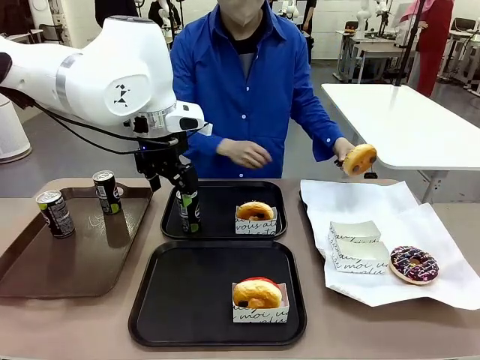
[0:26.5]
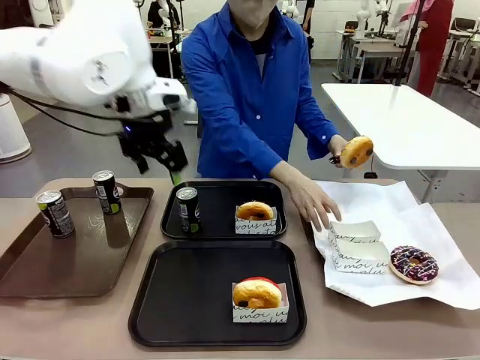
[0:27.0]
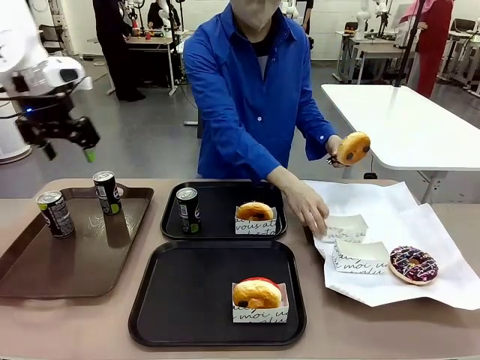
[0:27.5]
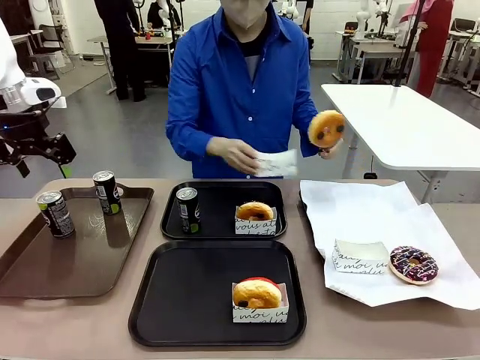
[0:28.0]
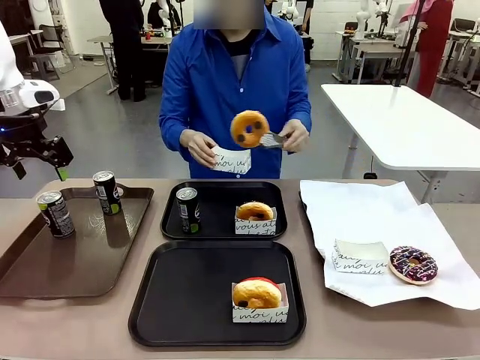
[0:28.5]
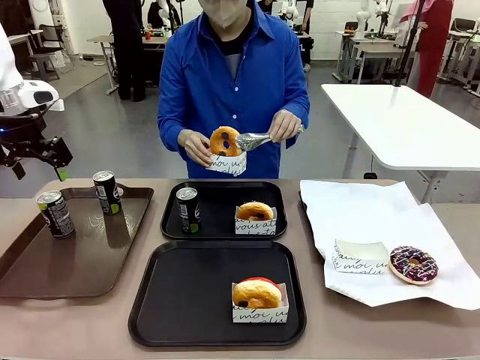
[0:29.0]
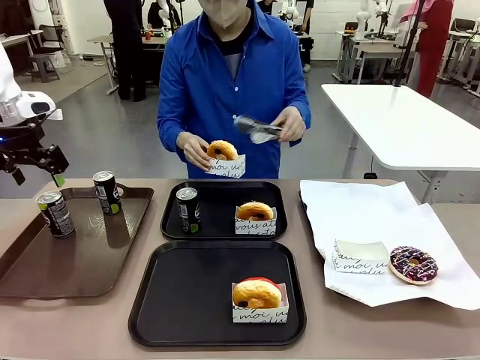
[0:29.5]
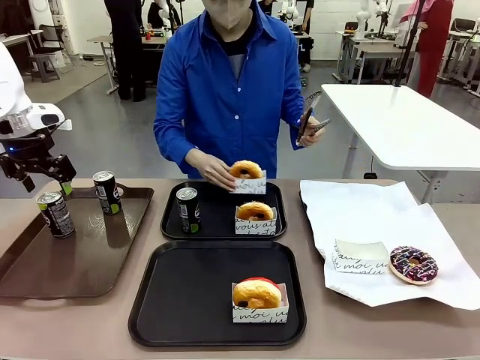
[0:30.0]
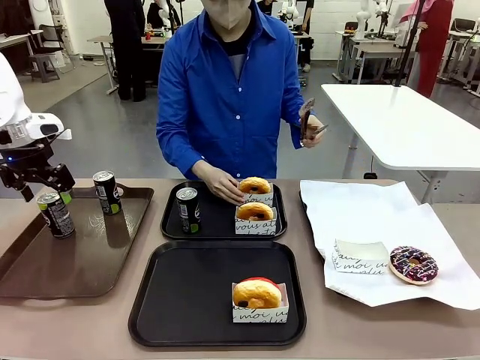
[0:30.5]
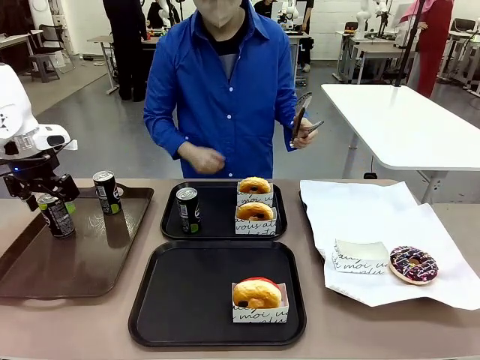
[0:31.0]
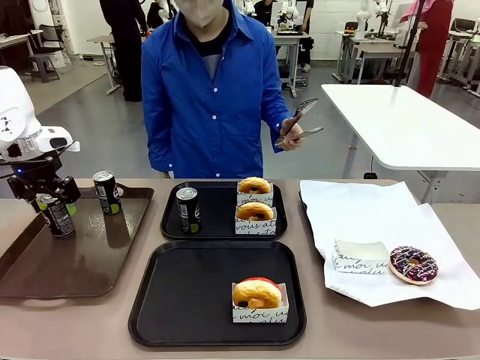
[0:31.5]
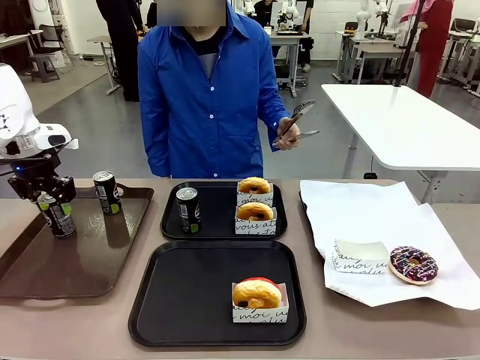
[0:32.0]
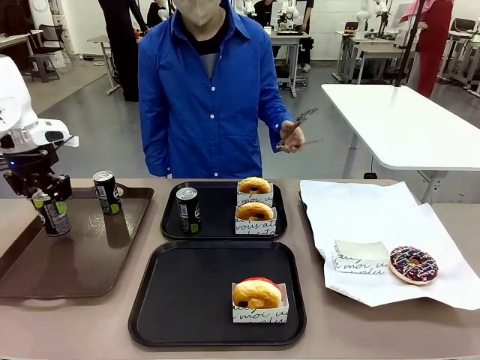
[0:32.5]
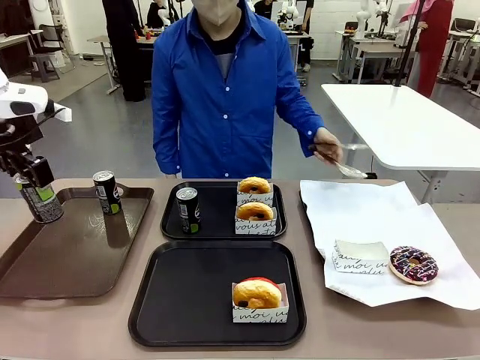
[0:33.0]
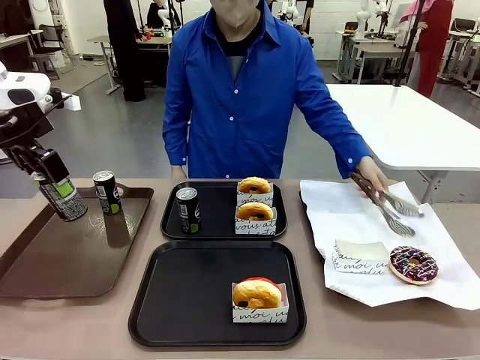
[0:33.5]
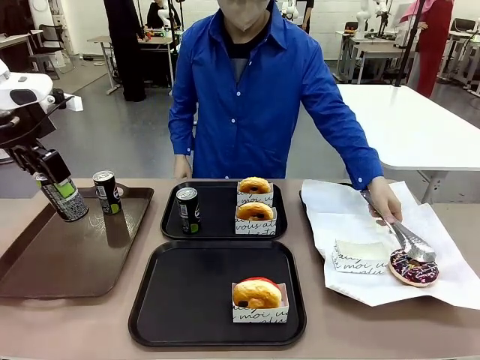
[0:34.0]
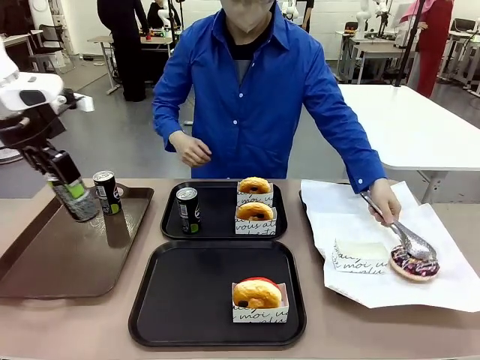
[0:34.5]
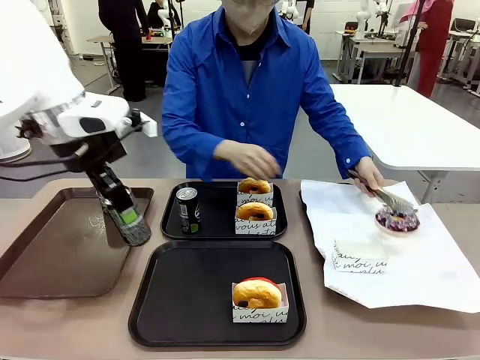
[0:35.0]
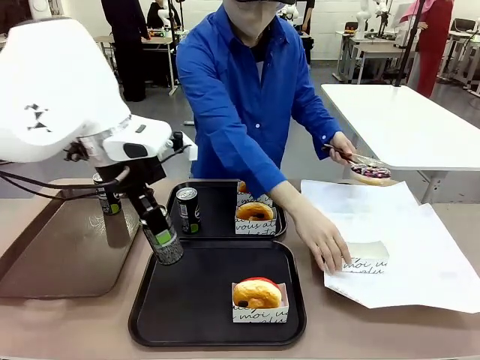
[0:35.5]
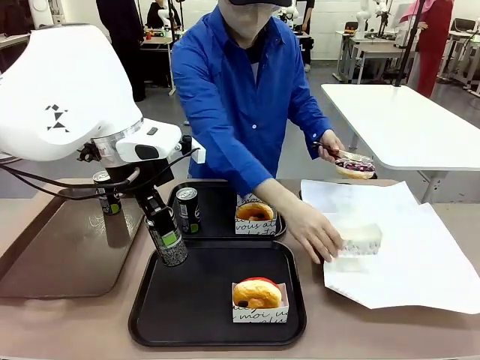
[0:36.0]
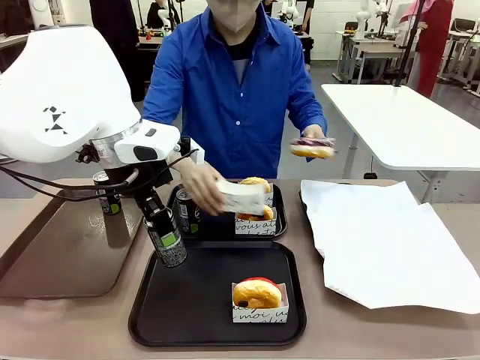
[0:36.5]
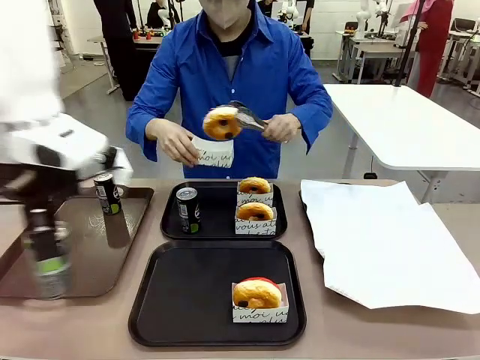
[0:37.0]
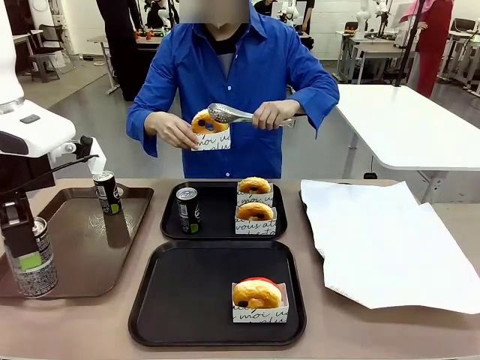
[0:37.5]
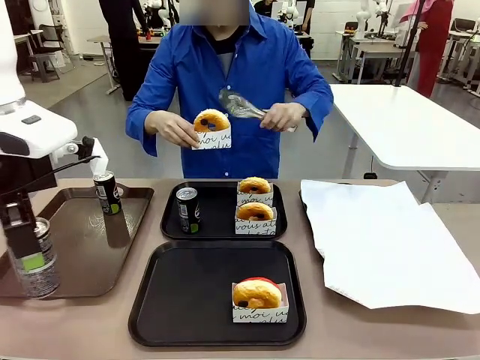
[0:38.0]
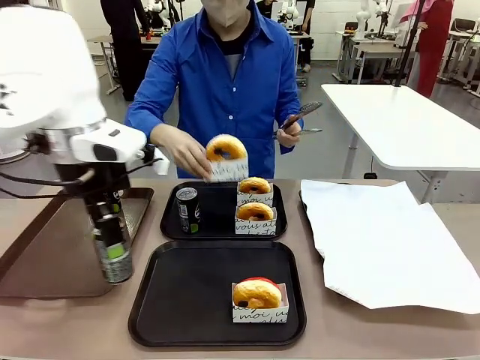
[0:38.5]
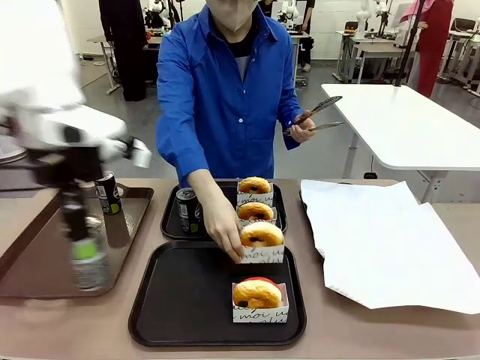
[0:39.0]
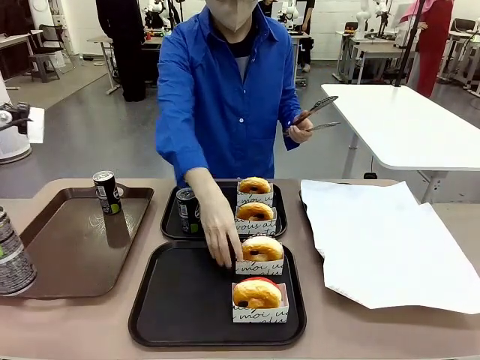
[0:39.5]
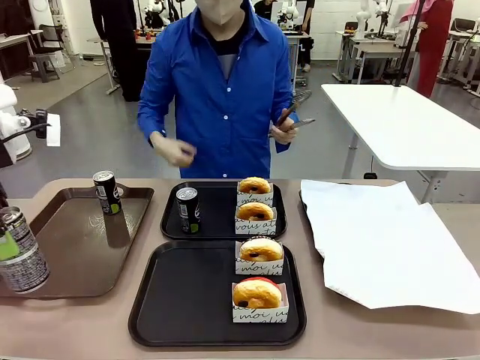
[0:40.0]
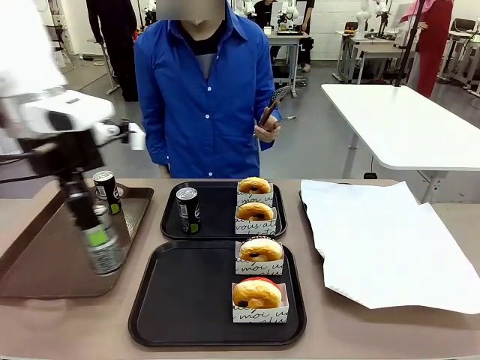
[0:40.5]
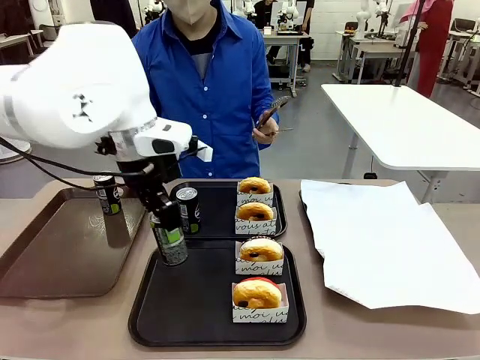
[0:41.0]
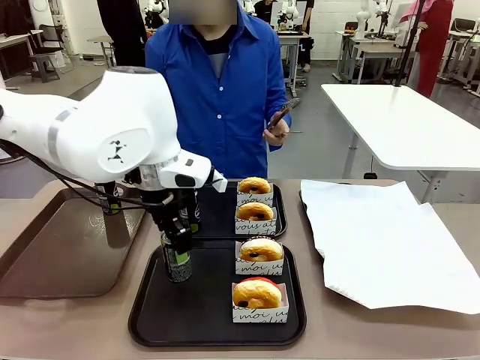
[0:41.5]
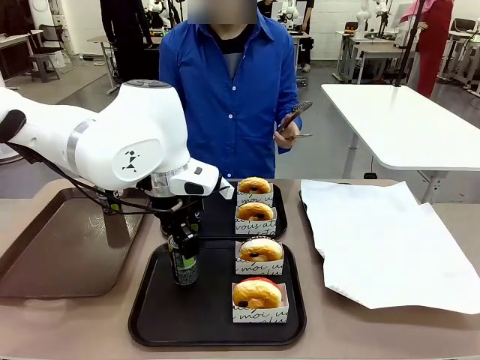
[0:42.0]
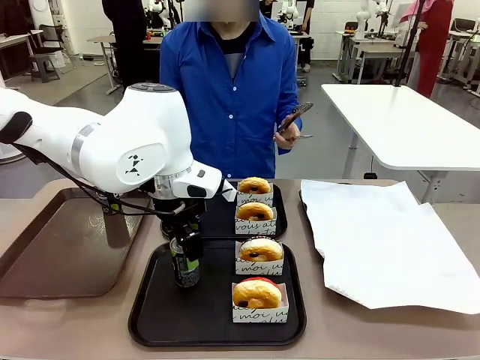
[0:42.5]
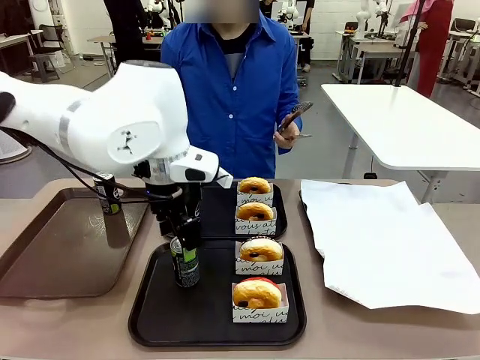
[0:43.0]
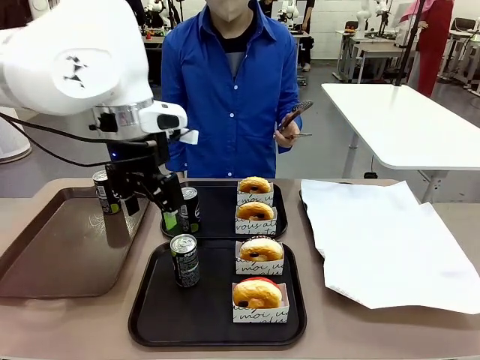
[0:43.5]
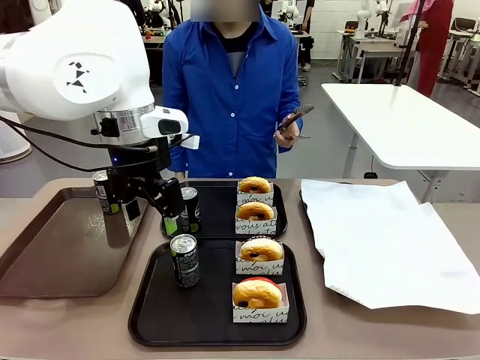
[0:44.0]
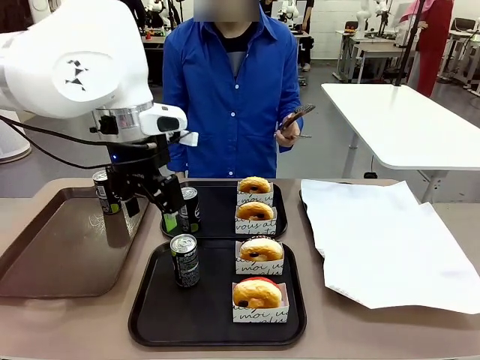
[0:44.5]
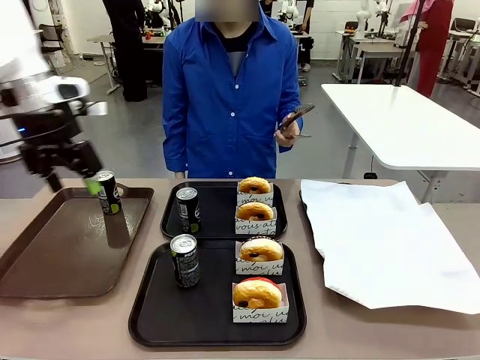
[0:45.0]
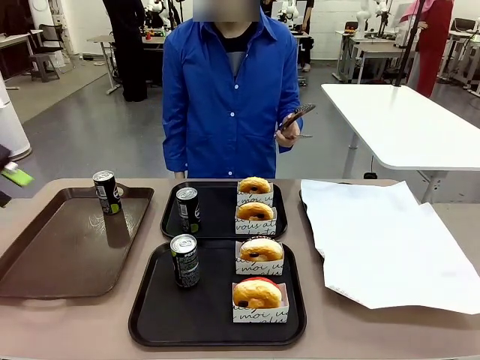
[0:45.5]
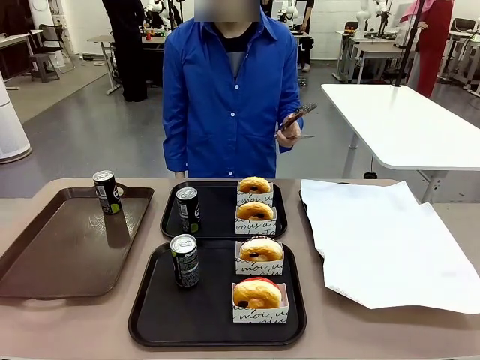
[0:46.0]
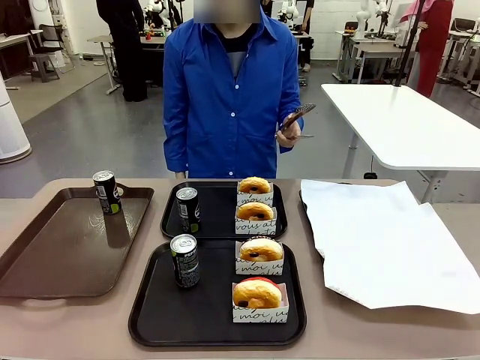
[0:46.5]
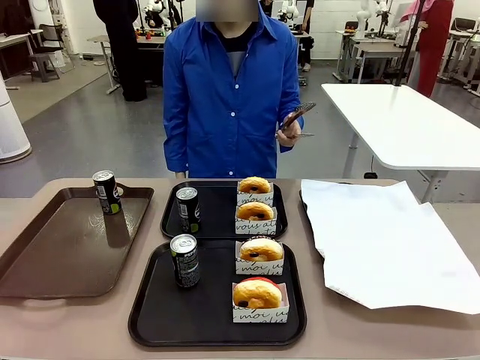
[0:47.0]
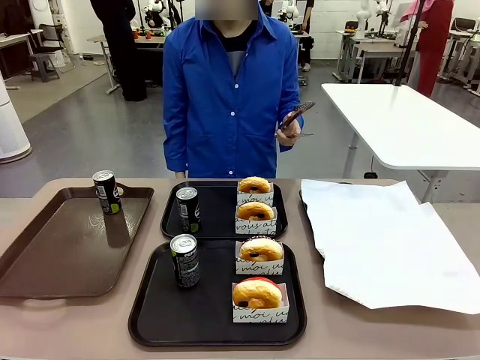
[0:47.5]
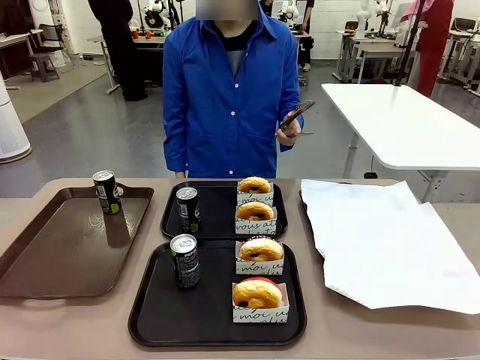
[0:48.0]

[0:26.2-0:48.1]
Task: Set up donuts and drinks on trays.
Robot: Pick up one Pepsi coke from the Handle tray and place it on the Flat Tray without a Pepsi coke.

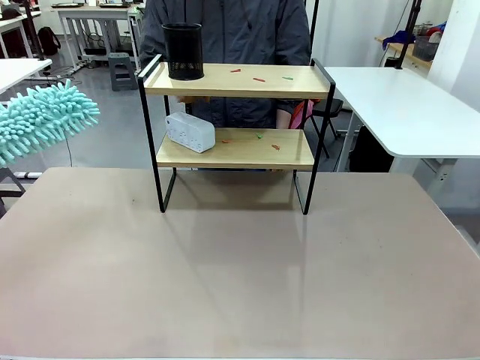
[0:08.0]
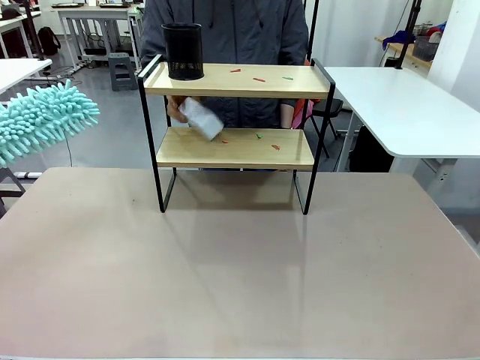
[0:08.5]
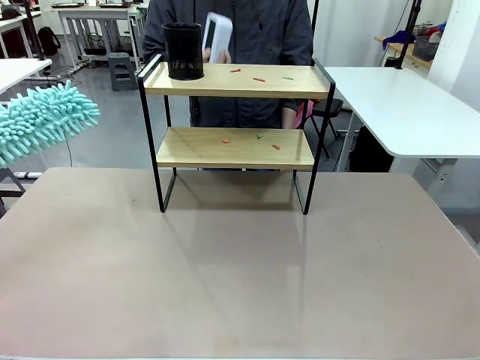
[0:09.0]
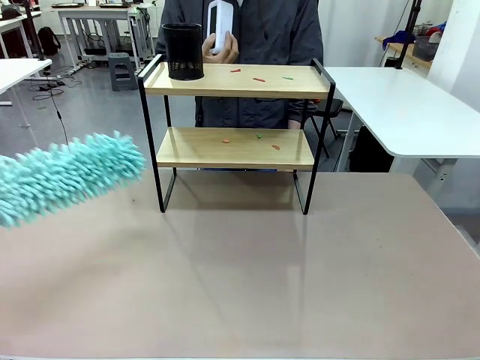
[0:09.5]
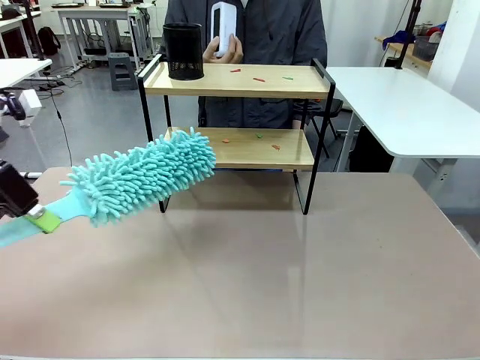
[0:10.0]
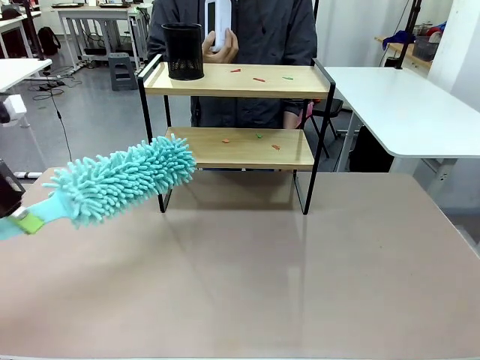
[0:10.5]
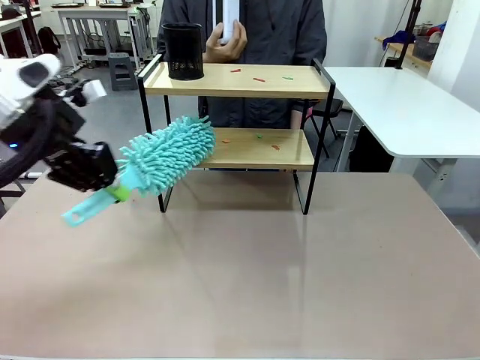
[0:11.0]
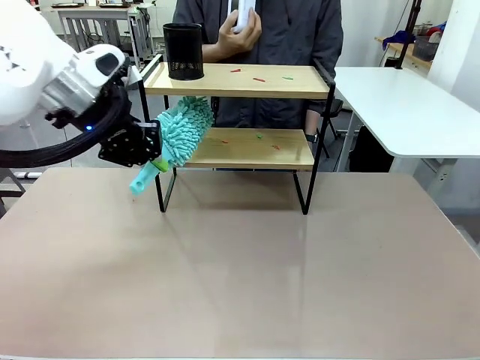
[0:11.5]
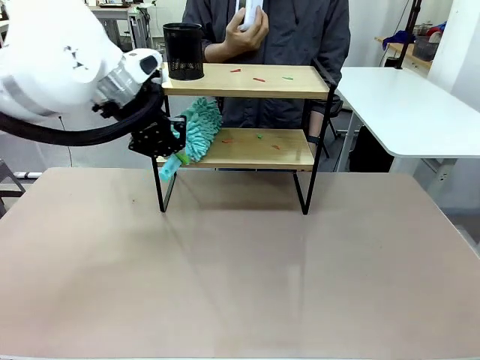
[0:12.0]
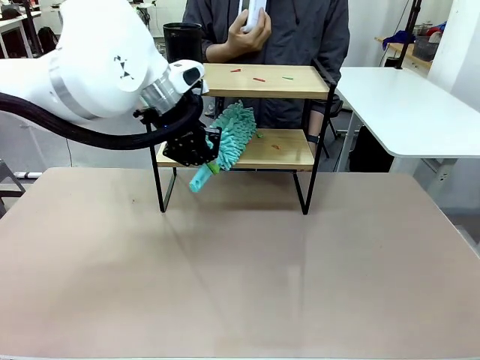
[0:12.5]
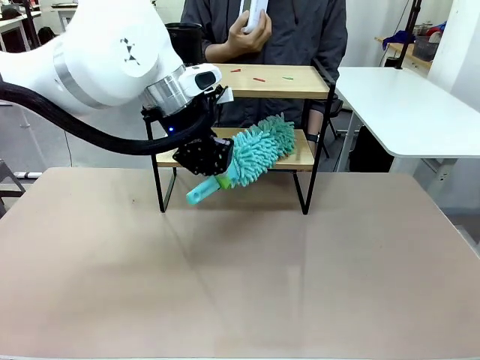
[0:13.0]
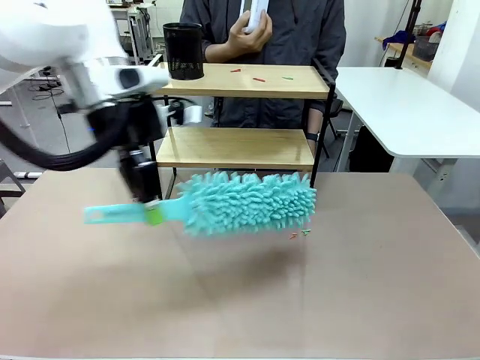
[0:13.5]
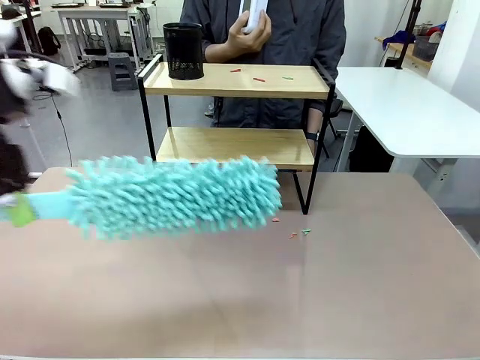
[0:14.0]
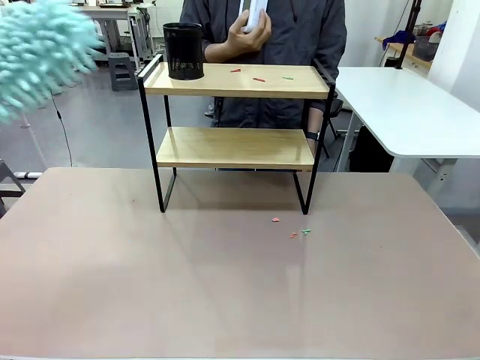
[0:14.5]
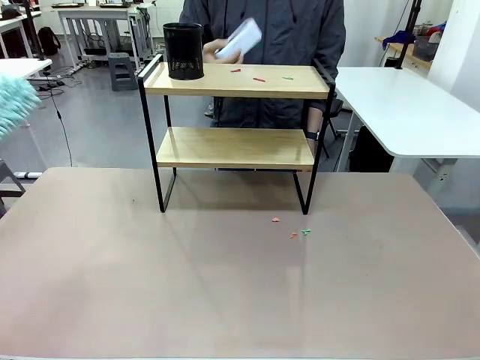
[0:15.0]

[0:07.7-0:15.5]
Task: Clean the shelf.
Robot: Clean the specific tier of the Shelf with the Duster once objects are removed.
Person: Lift the objects on a randomly selected tier of the Shelf. Once the robot finishes cleaning, lift the objects on the remaining tiers of the Shelf.
